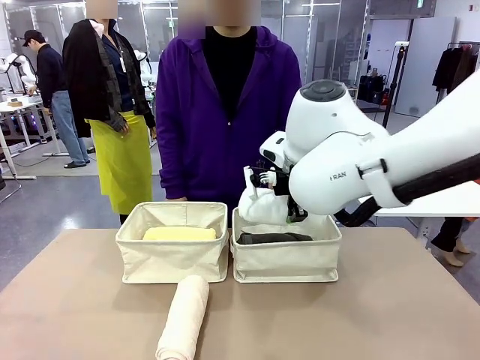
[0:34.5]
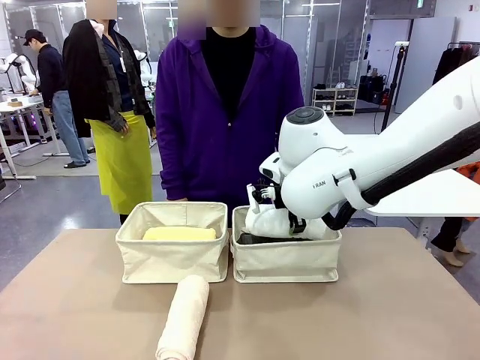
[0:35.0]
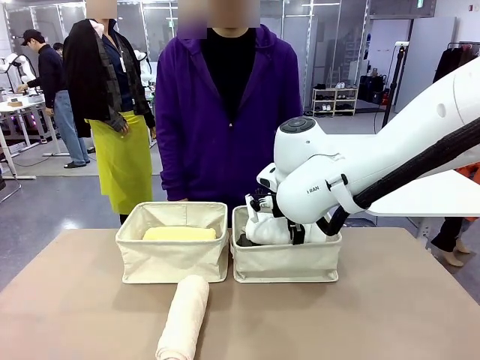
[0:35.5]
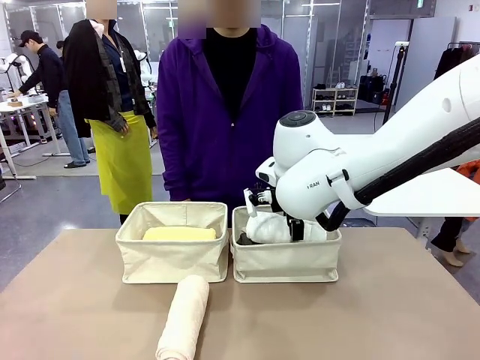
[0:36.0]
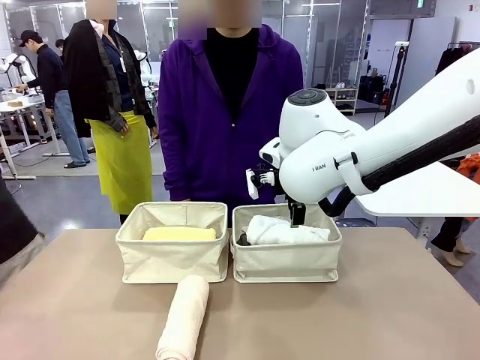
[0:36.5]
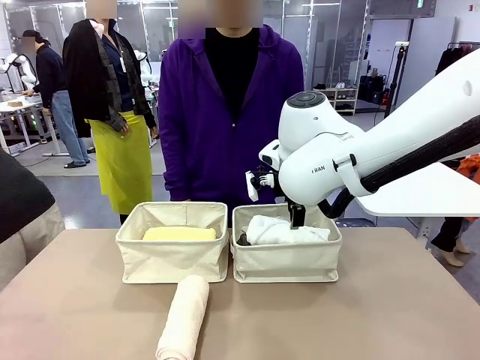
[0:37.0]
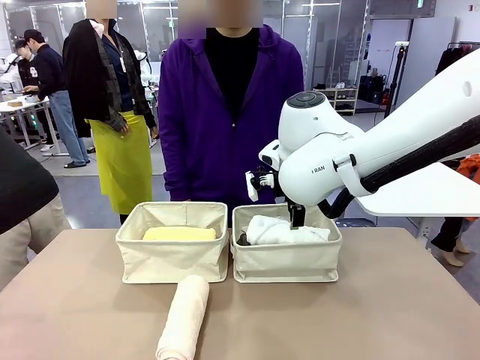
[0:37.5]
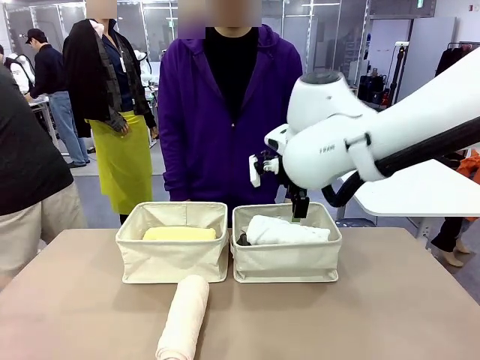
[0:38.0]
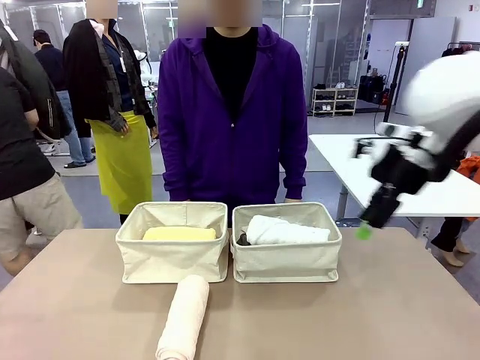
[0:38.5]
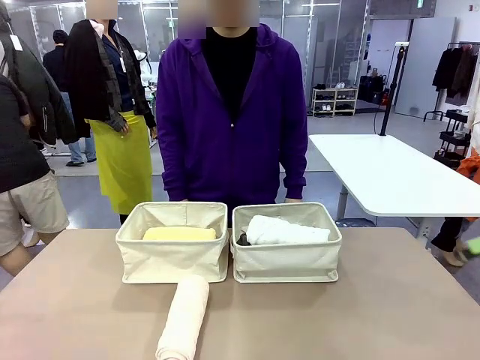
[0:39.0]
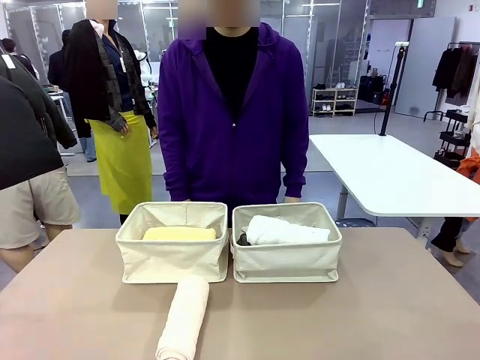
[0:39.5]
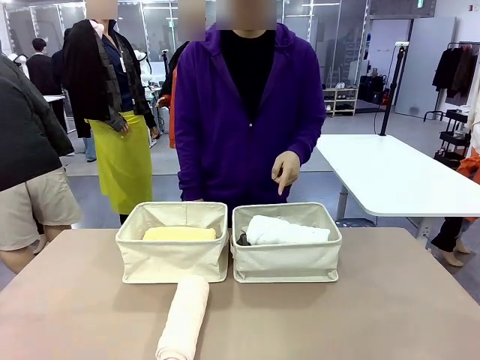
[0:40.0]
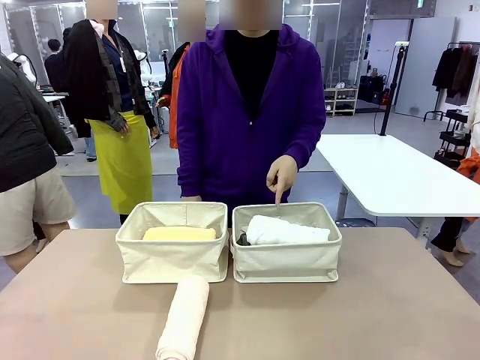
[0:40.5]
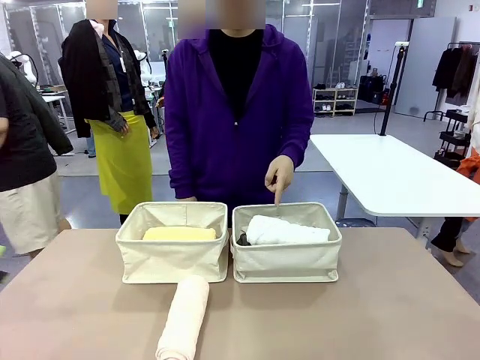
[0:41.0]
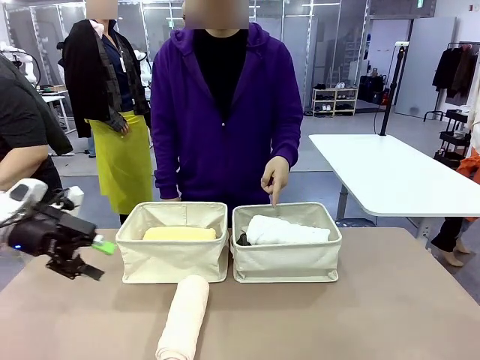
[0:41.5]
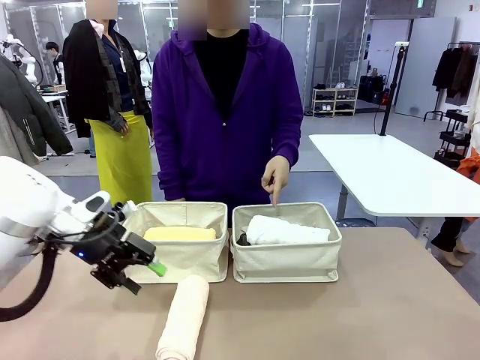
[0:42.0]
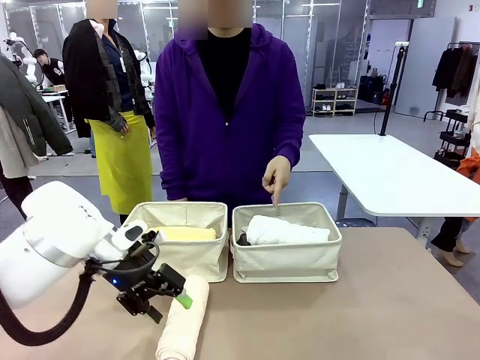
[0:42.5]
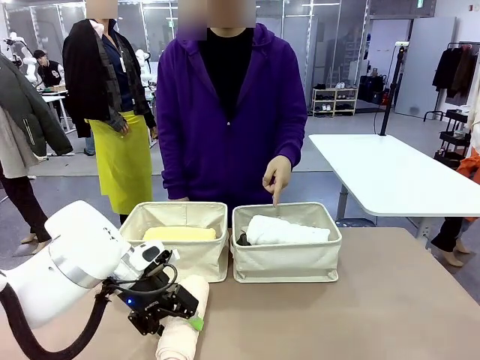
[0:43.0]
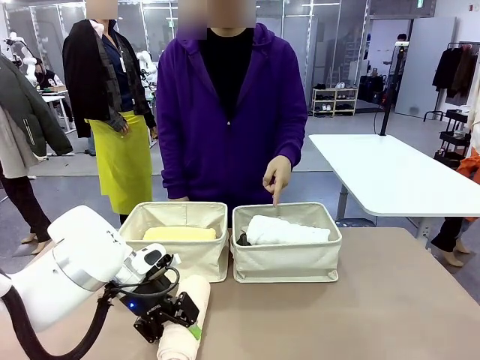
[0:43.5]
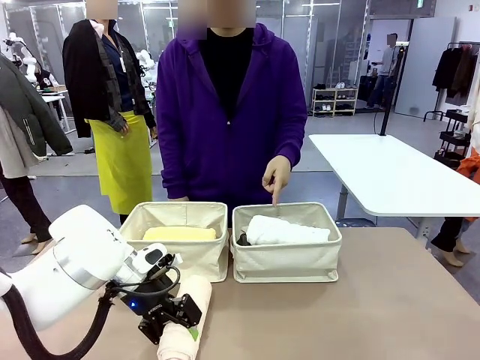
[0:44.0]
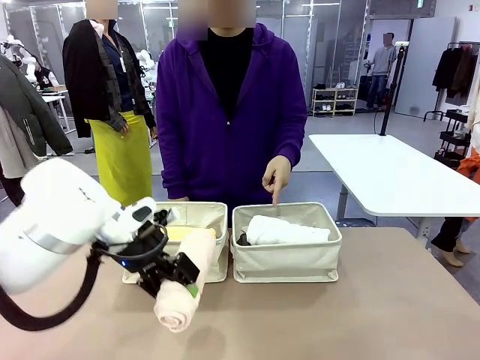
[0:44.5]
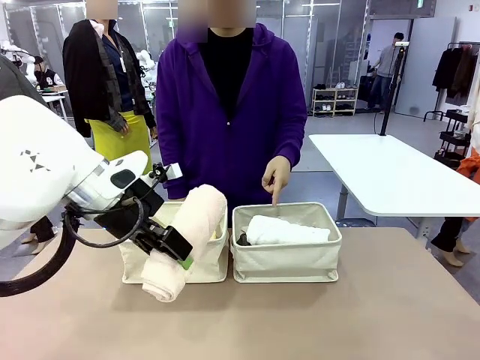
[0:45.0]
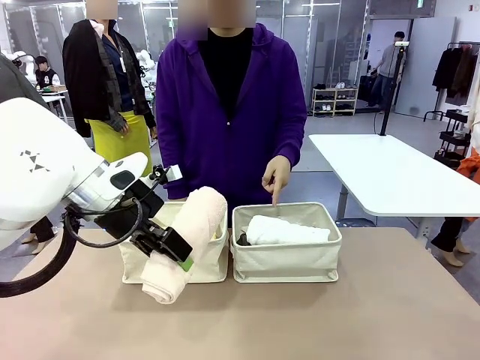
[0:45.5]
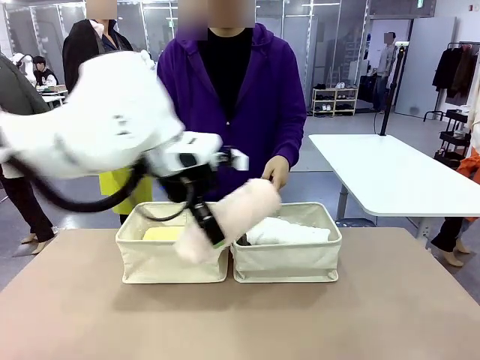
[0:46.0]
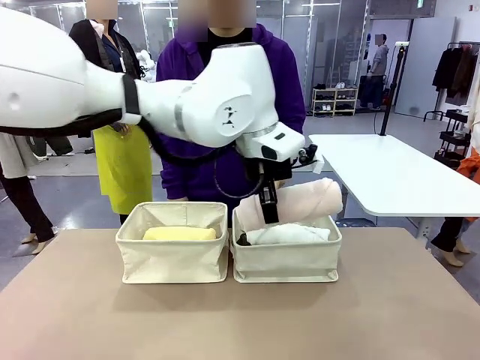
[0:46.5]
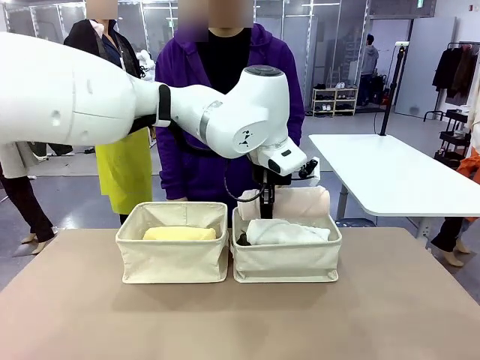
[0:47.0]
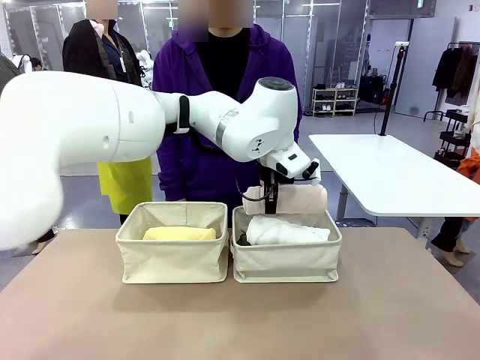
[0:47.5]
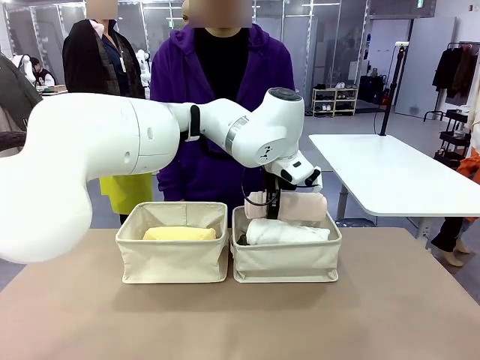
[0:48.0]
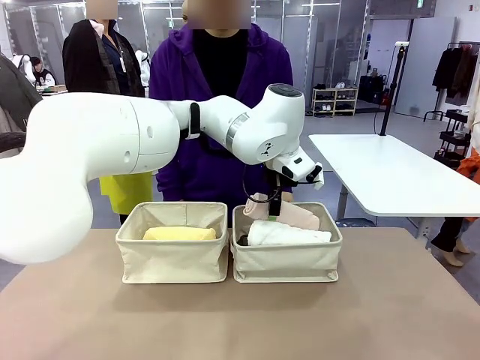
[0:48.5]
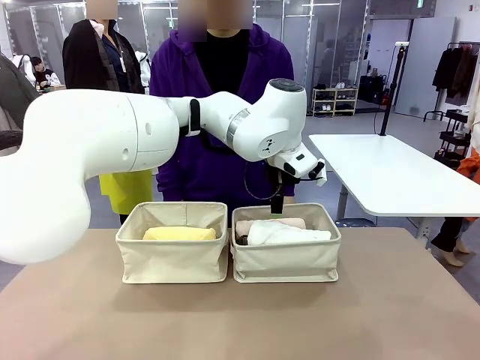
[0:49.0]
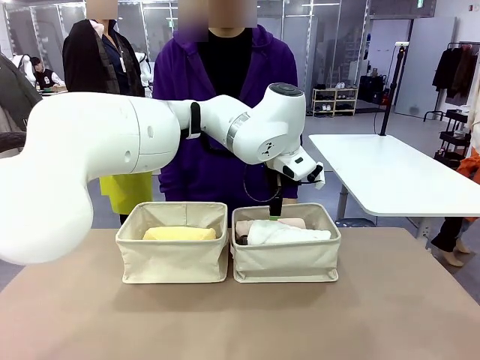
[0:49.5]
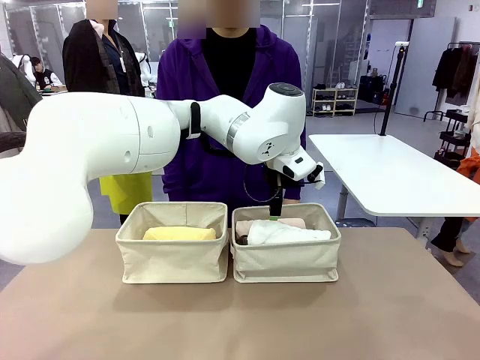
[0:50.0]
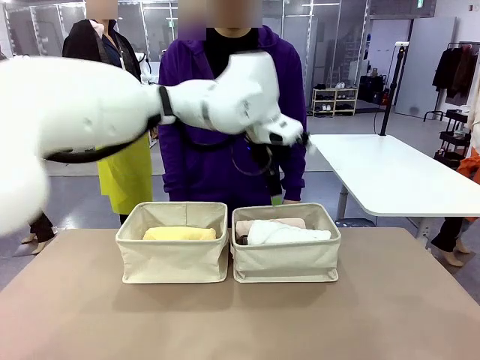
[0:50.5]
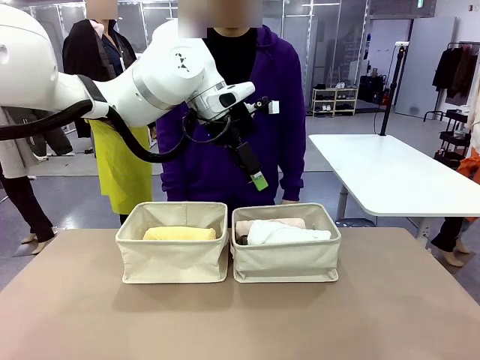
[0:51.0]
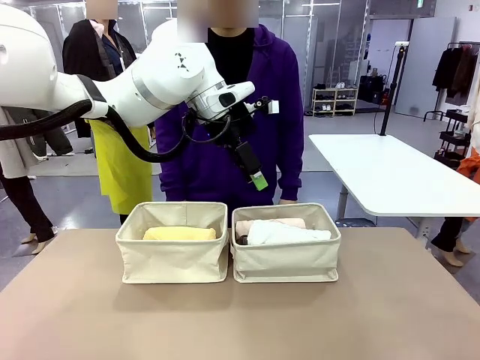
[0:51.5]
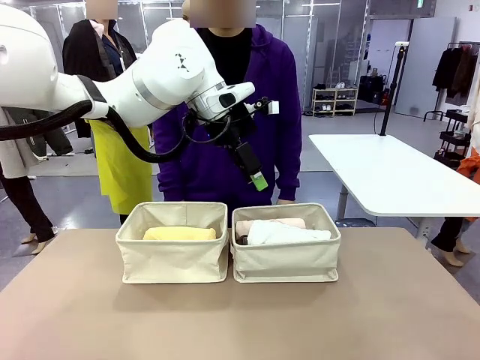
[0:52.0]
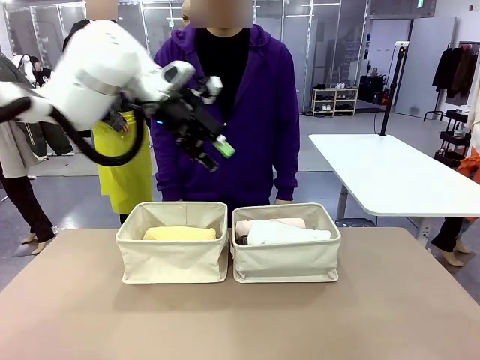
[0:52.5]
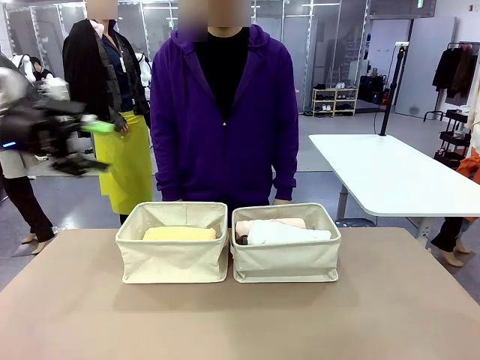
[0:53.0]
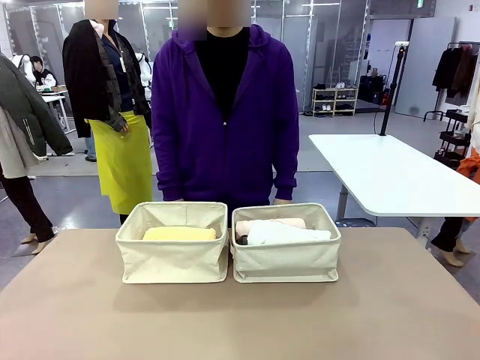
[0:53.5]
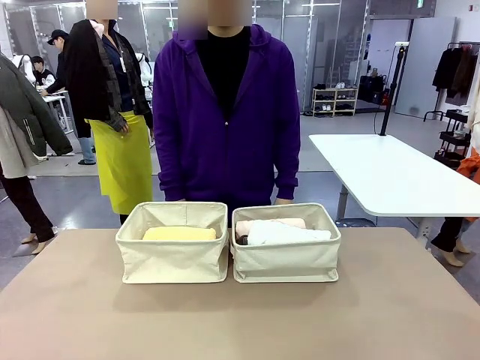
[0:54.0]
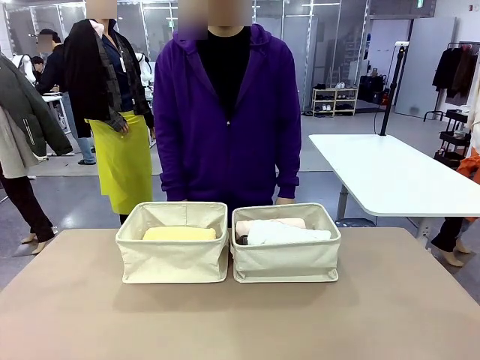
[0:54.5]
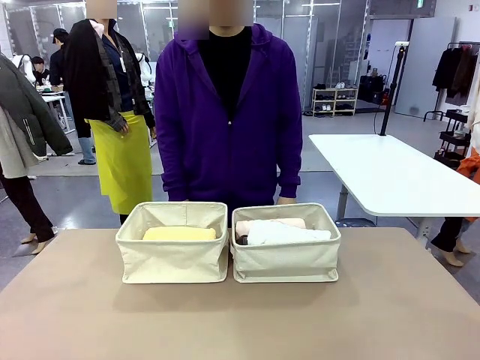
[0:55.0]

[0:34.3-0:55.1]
Task: Divide the towels into two baskets.
Robot: Pick up one hotel-folded towel from the bottom of the table and place it in the Fabric basket indicated by the person.

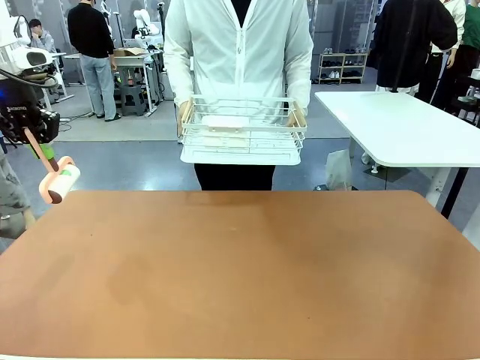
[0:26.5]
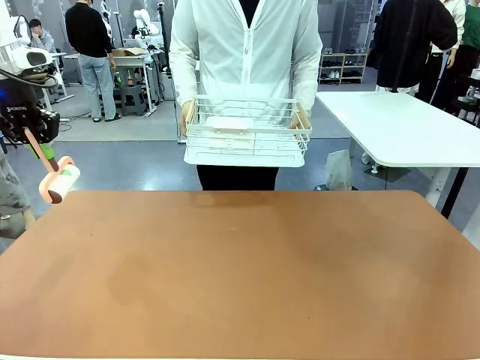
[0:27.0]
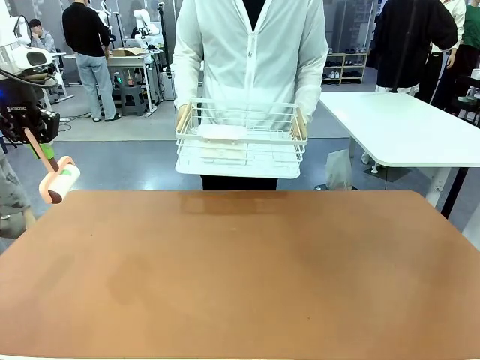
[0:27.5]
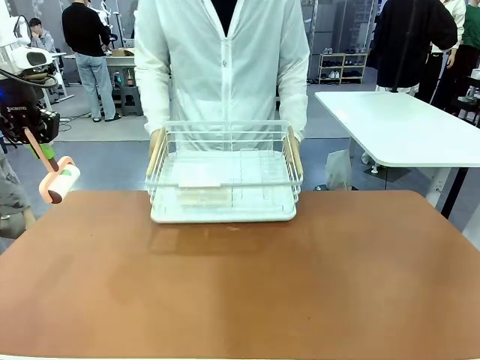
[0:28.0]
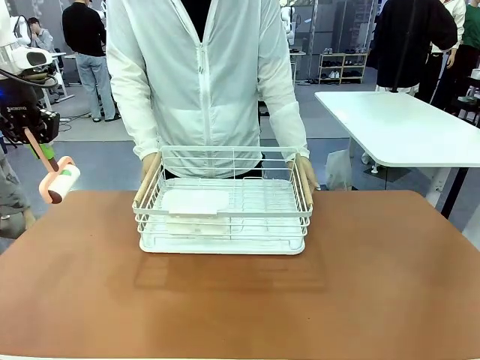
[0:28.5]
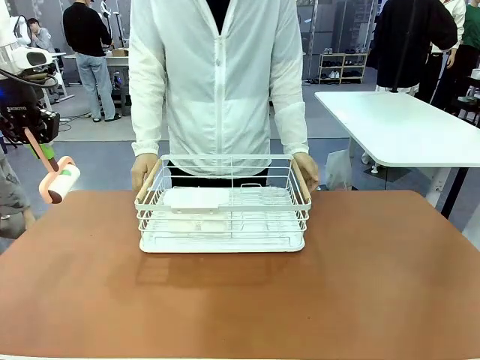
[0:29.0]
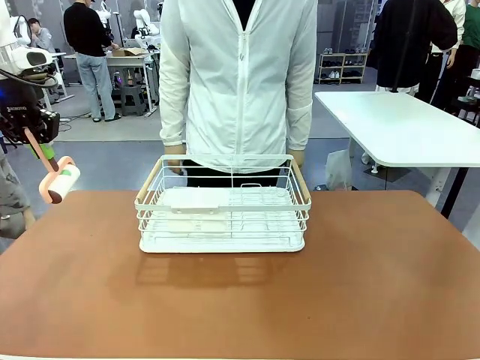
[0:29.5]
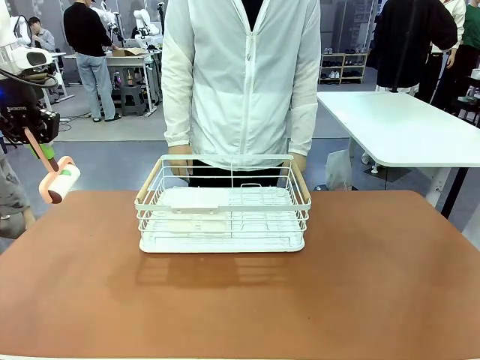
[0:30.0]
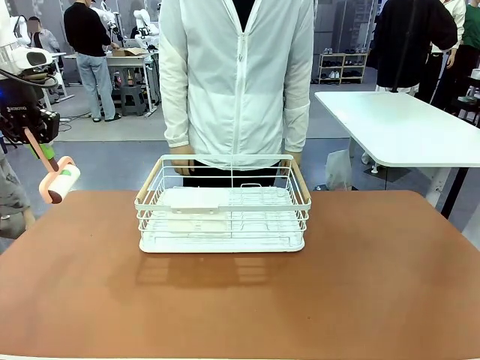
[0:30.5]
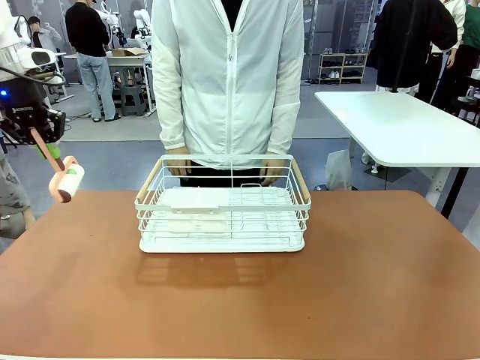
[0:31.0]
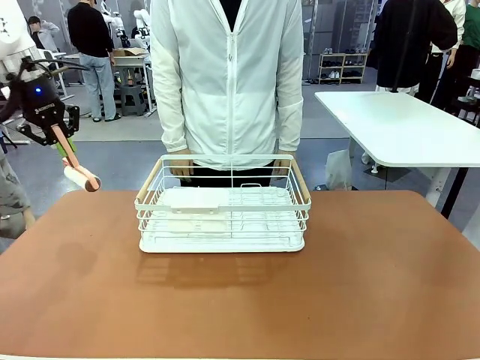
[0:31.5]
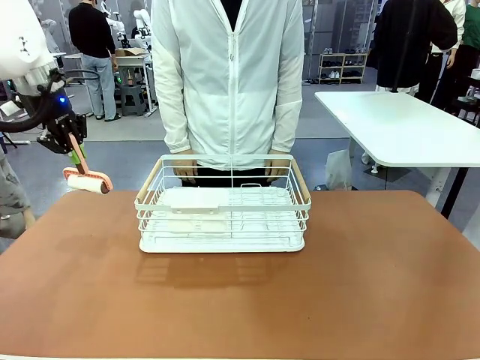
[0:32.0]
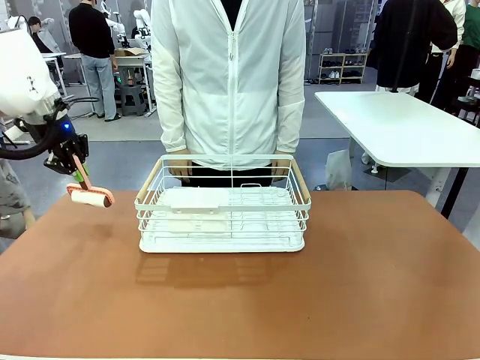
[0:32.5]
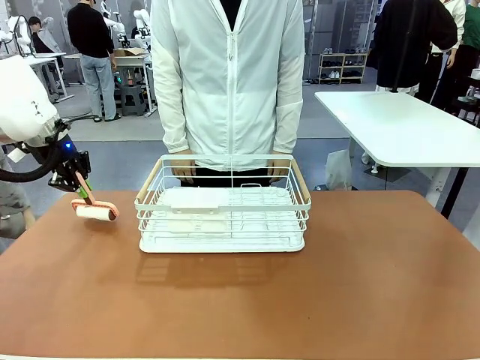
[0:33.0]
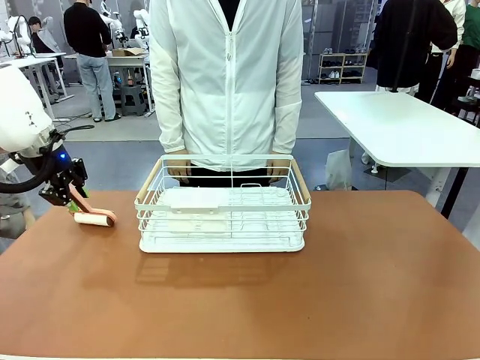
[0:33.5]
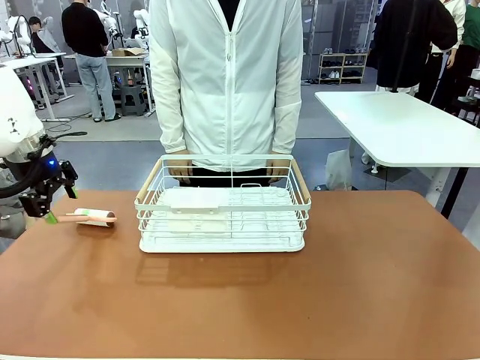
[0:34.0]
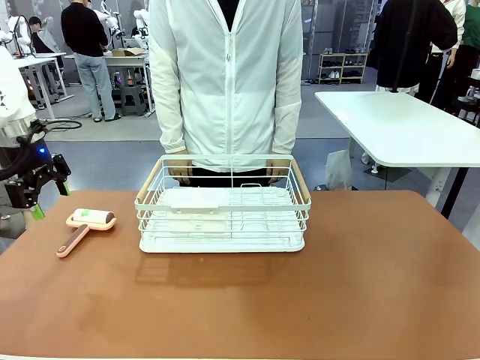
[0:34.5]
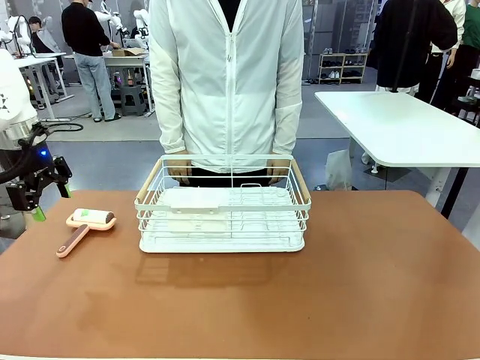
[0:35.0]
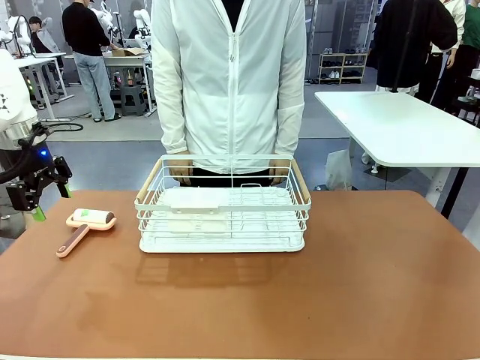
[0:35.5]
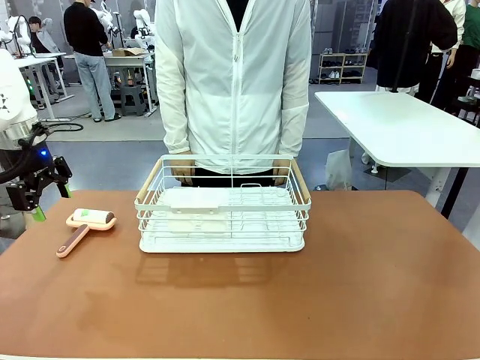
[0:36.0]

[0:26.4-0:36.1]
Task: Clean the table.
Robot: Place the Lint Roller down when the Dish drying rack is positioned in the middle of the table.
